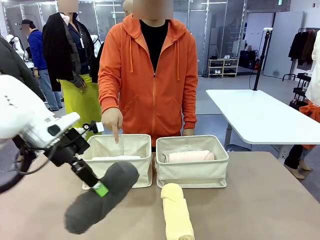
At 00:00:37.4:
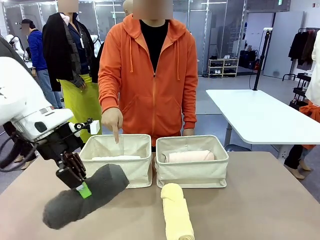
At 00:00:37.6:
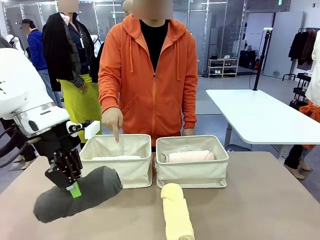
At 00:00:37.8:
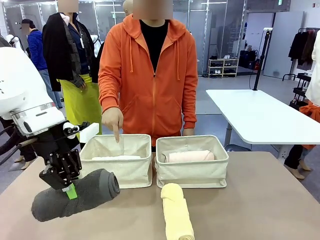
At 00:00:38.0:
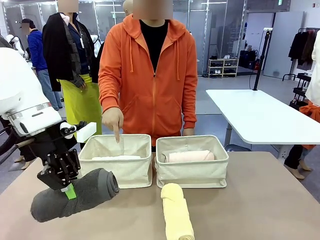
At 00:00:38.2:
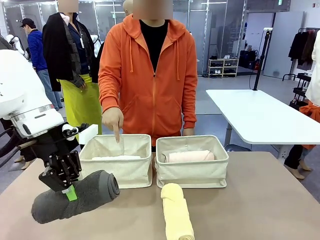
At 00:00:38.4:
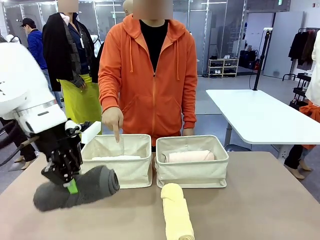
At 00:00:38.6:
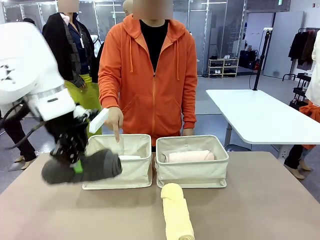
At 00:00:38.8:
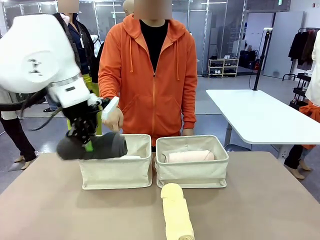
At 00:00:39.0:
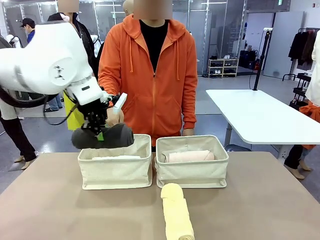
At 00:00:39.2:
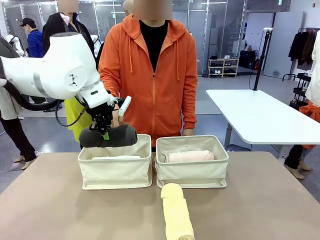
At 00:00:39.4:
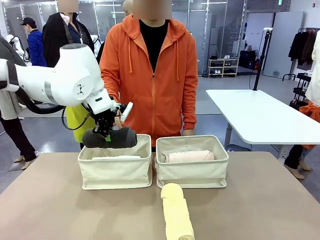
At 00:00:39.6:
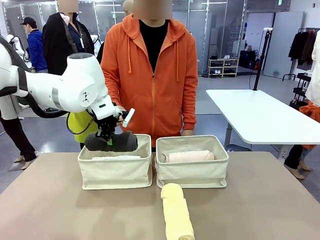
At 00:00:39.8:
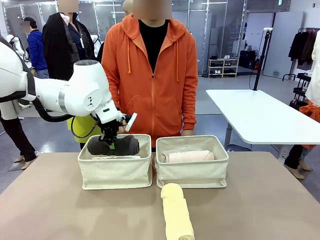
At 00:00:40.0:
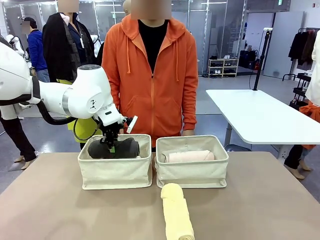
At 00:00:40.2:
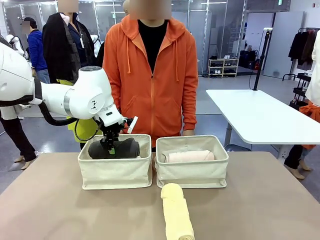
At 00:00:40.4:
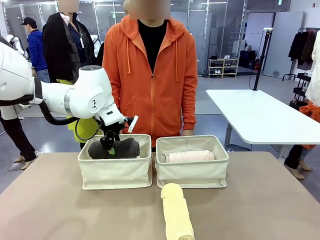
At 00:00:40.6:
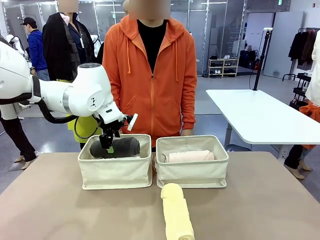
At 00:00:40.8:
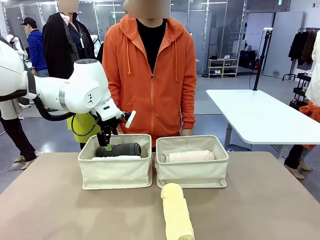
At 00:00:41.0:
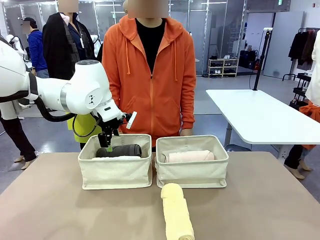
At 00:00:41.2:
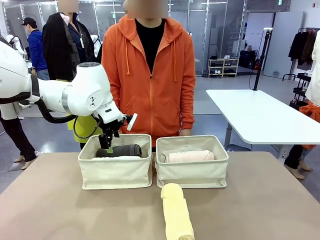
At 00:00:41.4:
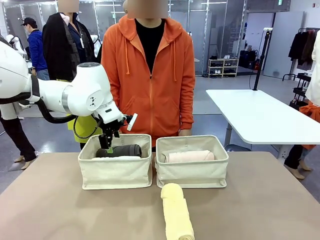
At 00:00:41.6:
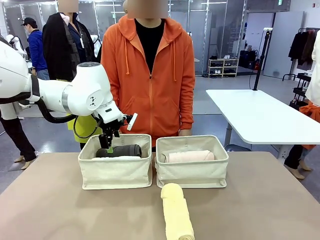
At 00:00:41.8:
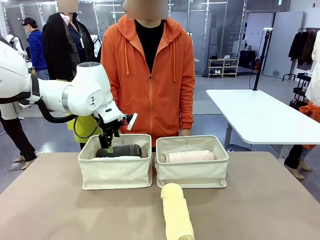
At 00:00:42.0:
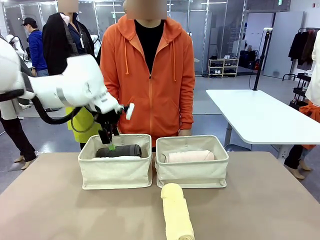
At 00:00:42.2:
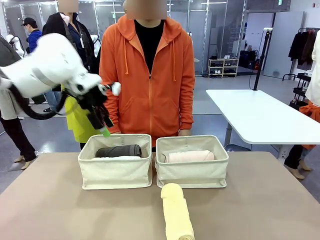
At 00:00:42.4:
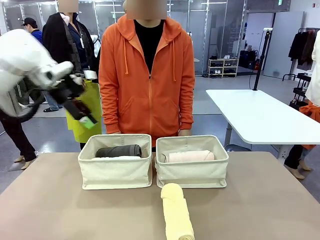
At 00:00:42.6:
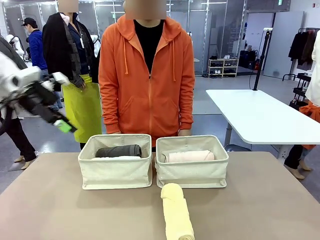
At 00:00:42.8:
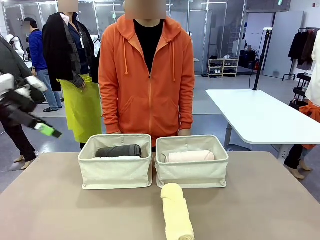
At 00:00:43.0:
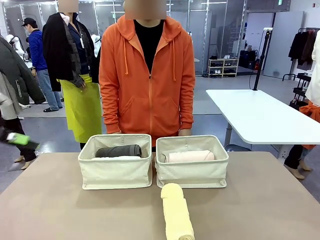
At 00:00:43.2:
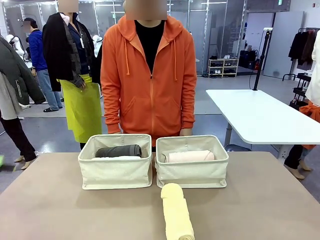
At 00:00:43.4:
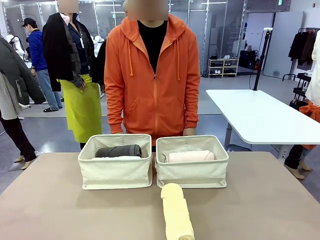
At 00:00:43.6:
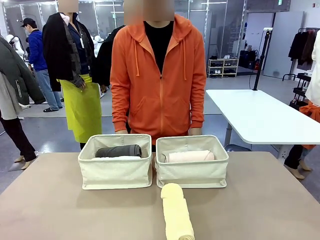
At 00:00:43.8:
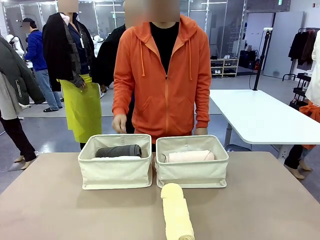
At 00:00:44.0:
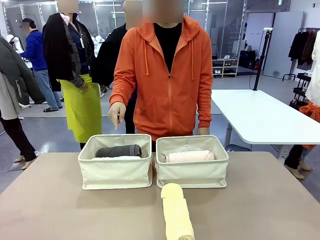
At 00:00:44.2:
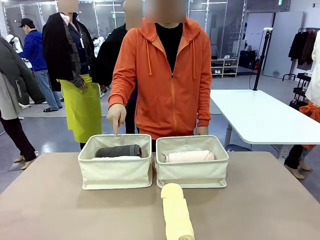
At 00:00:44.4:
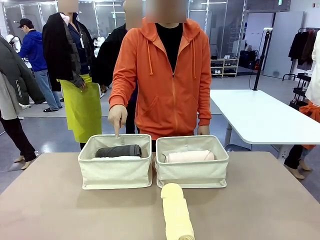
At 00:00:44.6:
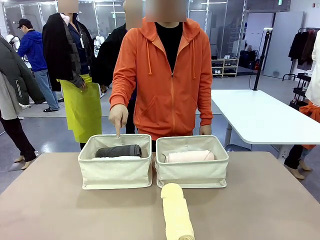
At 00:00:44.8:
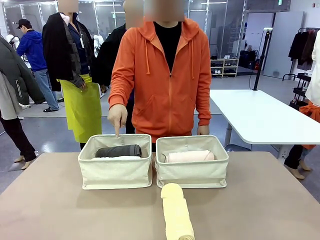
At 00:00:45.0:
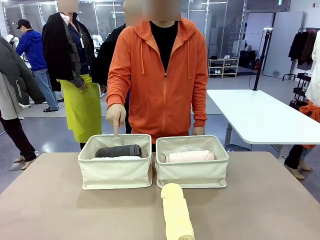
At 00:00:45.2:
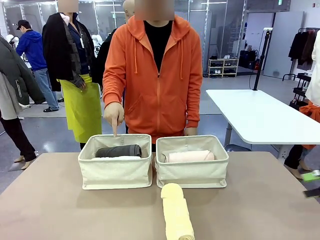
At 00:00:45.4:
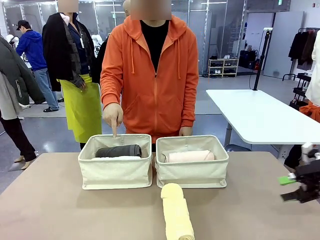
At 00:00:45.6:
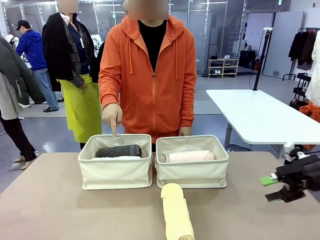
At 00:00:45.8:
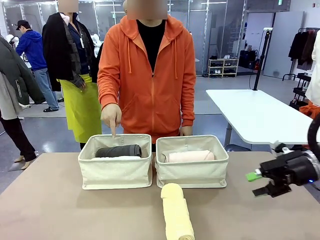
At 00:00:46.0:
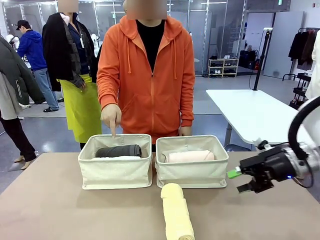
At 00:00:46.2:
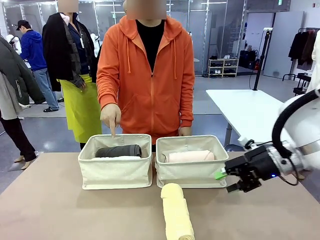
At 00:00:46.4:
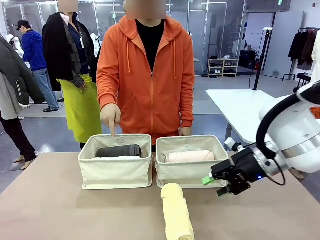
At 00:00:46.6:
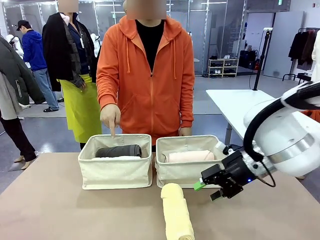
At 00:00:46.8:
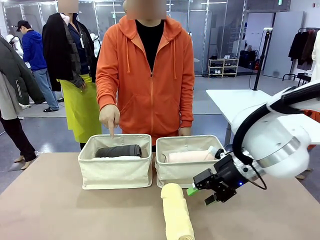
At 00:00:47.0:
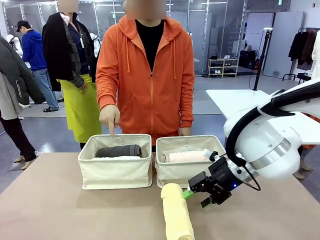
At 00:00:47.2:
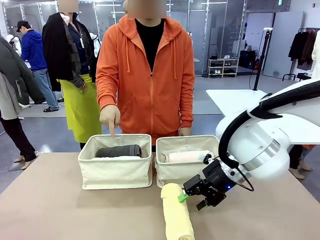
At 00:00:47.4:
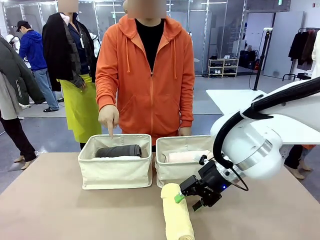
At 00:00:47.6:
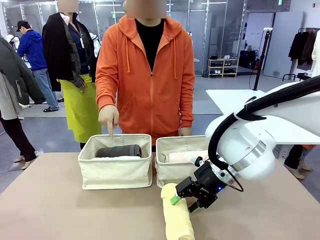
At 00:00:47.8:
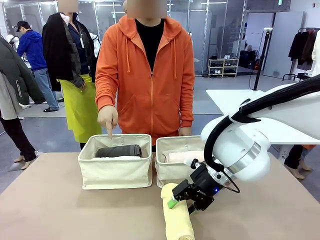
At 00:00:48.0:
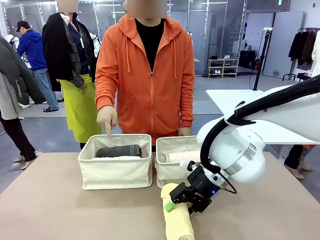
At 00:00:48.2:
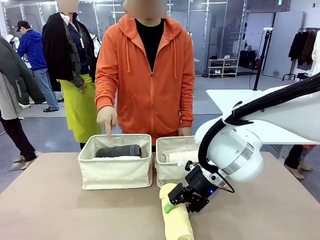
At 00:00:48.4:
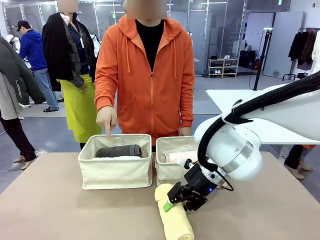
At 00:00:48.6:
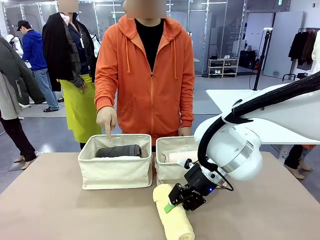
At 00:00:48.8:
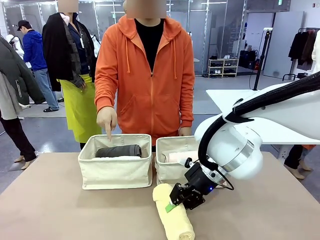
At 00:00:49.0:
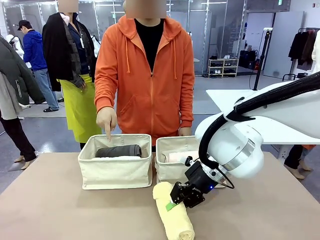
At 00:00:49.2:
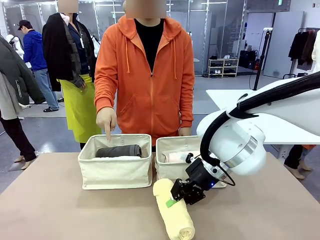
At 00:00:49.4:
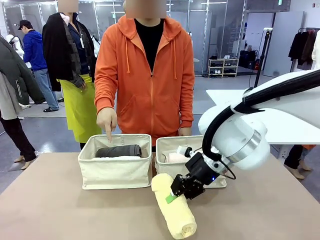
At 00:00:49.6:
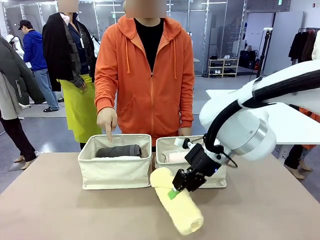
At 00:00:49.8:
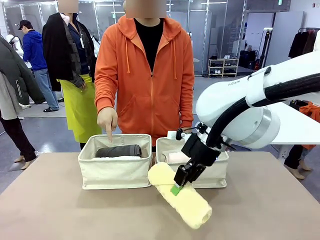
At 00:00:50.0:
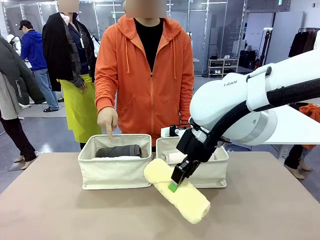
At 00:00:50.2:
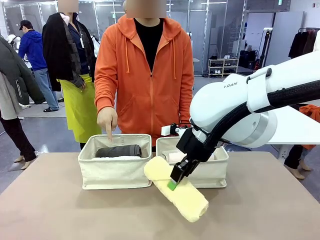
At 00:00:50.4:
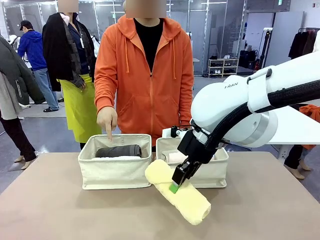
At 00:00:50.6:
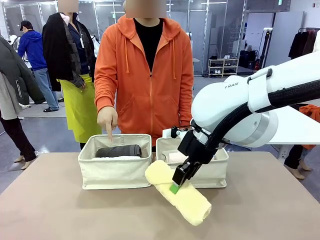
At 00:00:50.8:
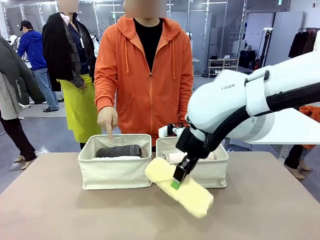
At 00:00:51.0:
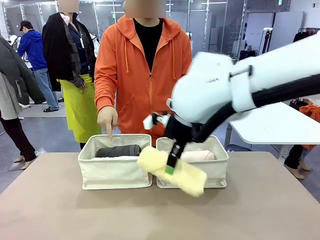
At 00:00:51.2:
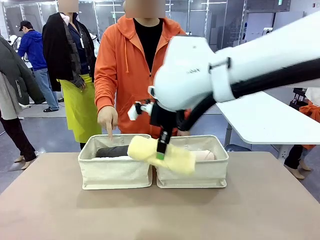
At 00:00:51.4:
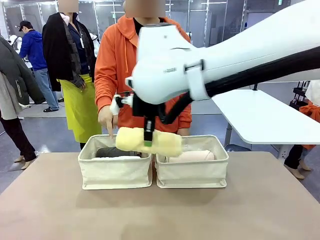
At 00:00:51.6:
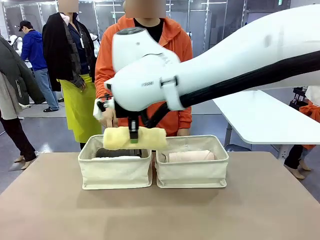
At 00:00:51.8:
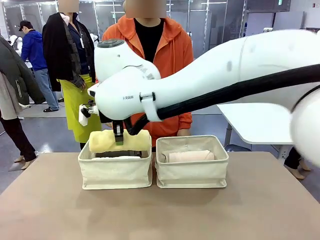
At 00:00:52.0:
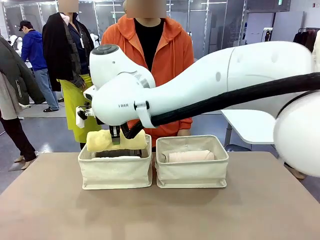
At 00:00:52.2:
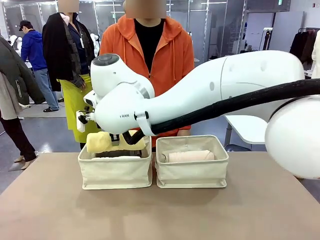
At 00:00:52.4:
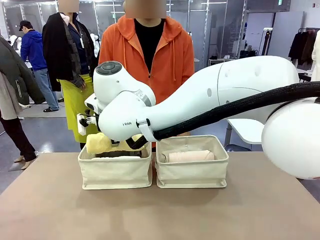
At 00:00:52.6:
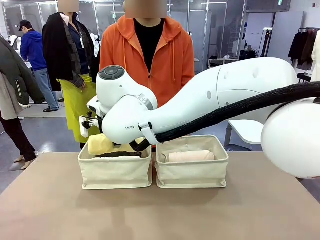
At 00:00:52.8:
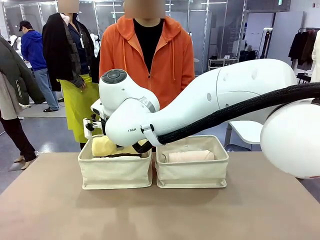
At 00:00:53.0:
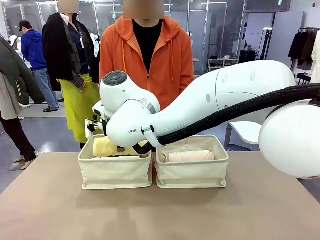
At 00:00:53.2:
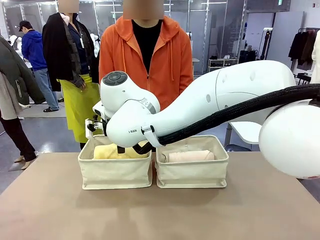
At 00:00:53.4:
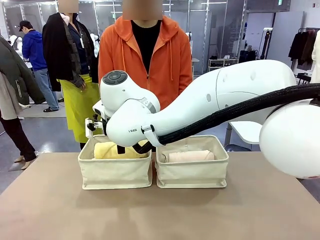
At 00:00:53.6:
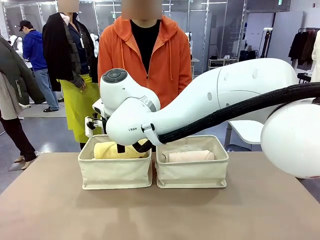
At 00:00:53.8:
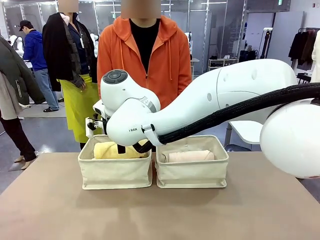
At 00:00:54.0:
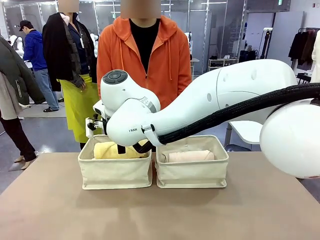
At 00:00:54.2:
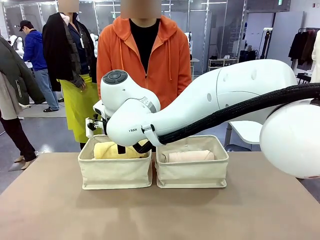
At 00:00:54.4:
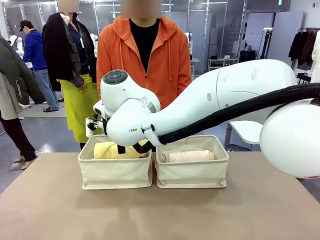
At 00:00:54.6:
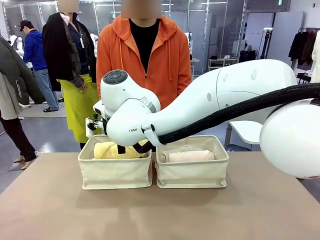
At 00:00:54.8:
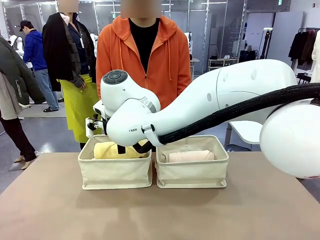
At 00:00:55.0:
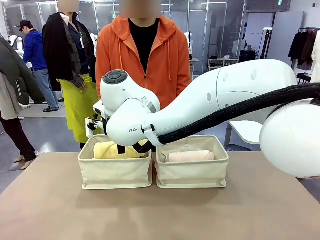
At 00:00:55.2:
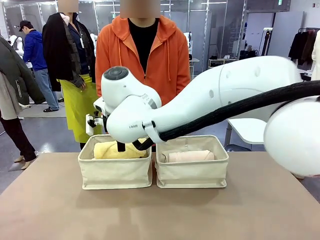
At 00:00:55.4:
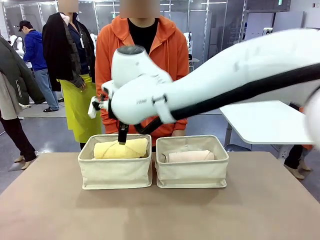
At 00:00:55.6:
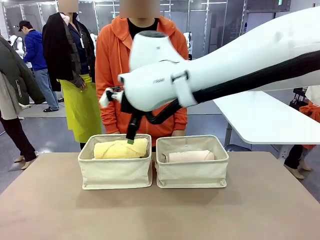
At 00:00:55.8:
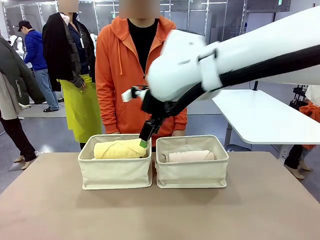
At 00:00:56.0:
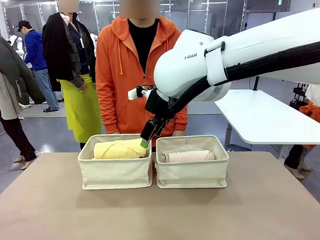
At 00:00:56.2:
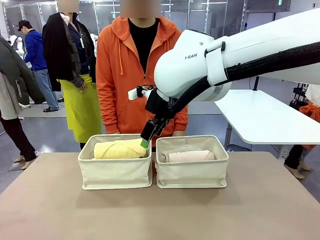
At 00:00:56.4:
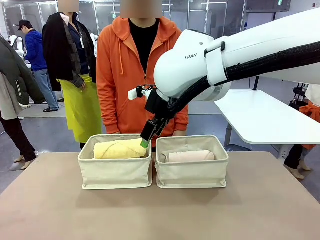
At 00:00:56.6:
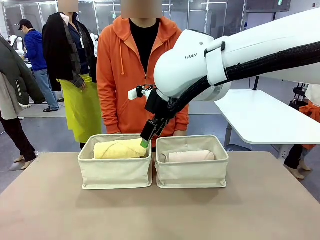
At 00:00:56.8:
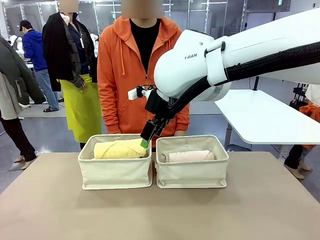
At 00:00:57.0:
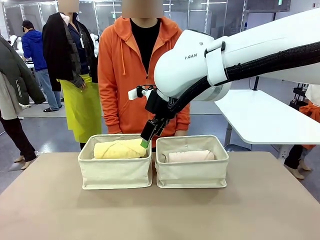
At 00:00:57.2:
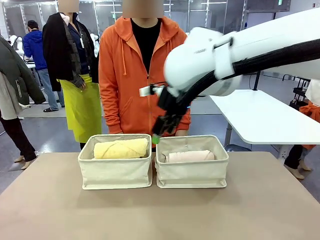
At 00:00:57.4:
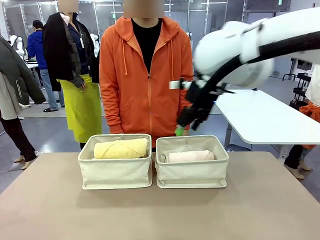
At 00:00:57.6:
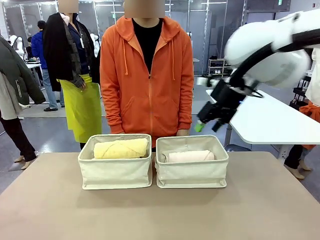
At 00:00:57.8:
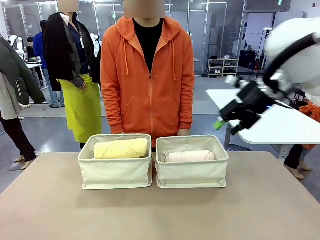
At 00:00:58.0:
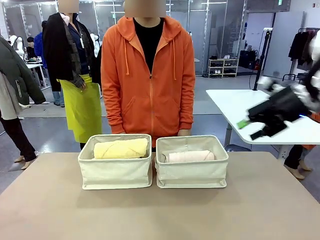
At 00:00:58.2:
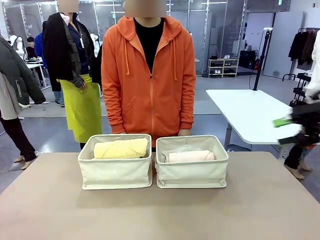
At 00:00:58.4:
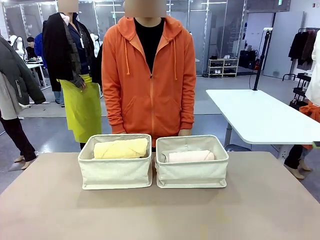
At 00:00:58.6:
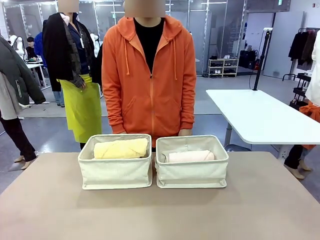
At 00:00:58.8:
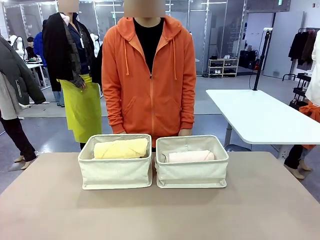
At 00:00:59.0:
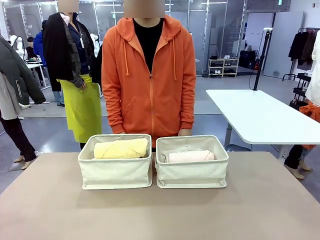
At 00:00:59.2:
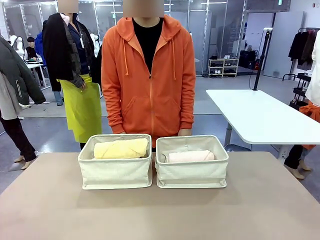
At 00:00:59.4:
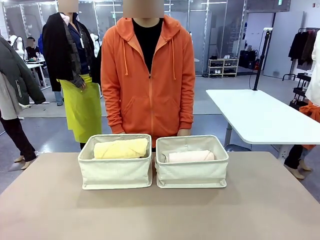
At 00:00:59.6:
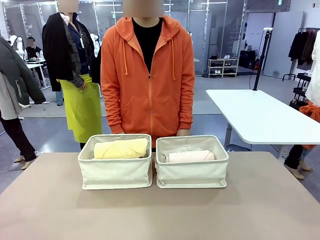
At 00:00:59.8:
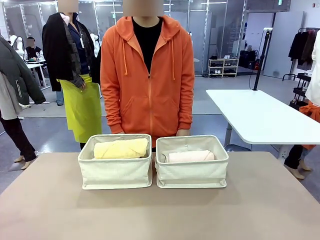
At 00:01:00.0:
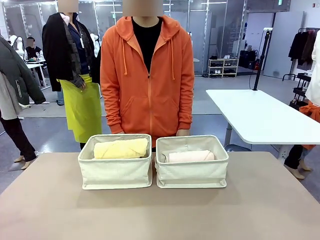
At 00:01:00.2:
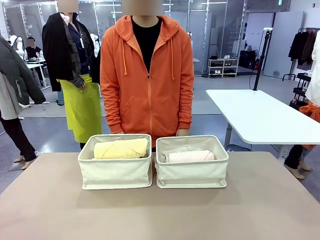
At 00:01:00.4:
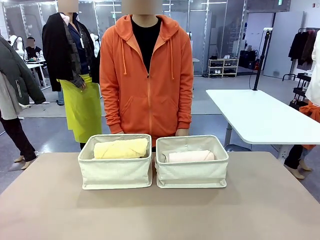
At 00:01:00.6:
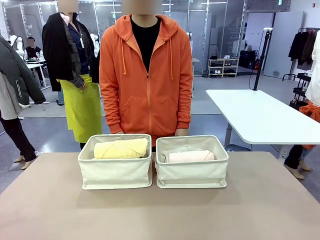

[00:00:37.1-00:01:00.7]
Task: Divide the towels into two baskets.
Robot: Pick up one hotel-folded towel from the bottom of the table and place it in the Fabric basket indicated by the person.
